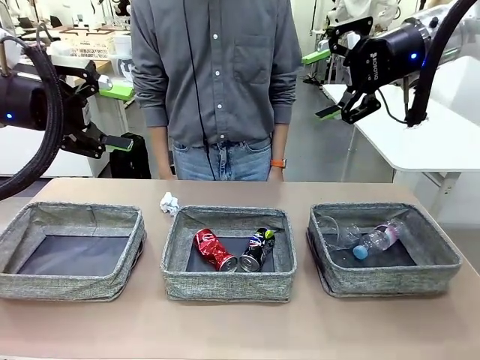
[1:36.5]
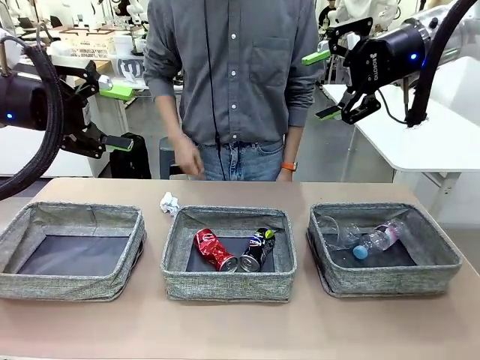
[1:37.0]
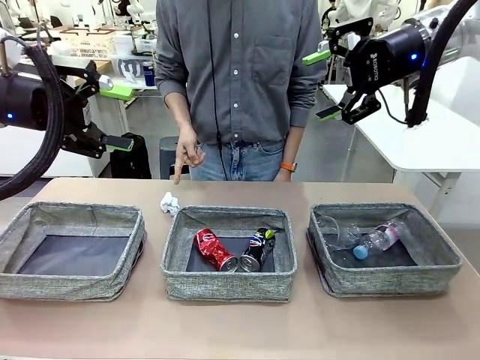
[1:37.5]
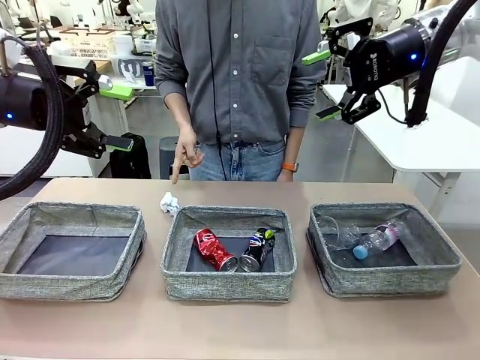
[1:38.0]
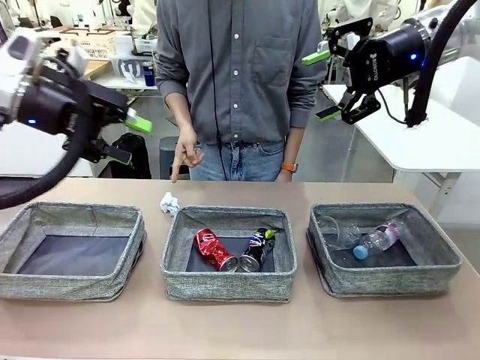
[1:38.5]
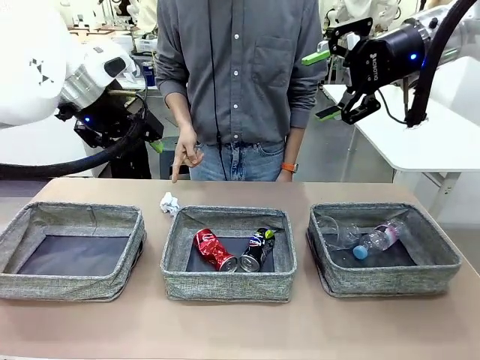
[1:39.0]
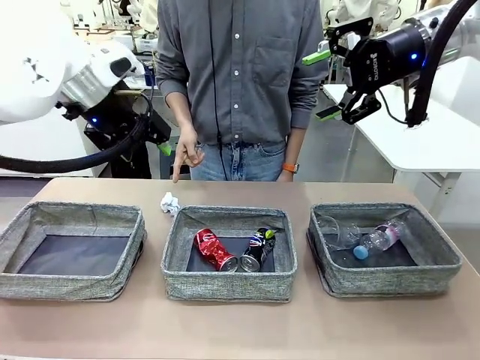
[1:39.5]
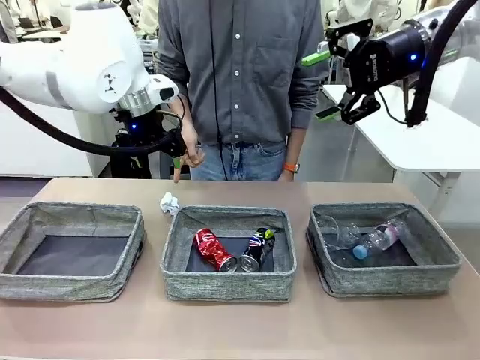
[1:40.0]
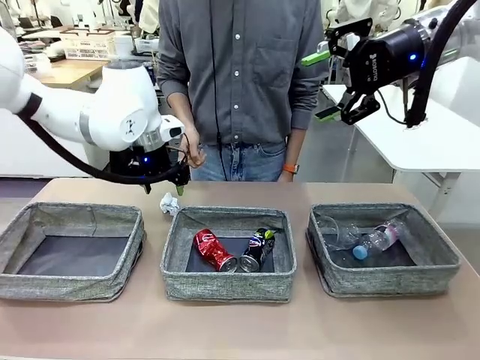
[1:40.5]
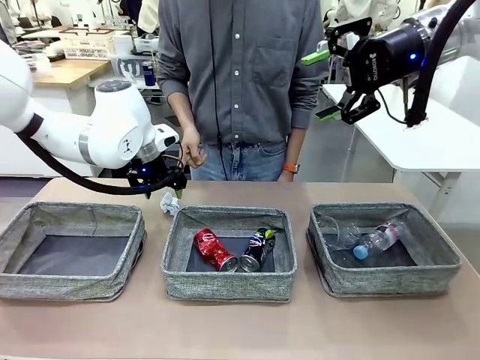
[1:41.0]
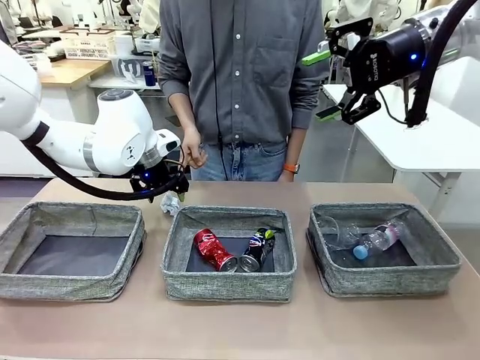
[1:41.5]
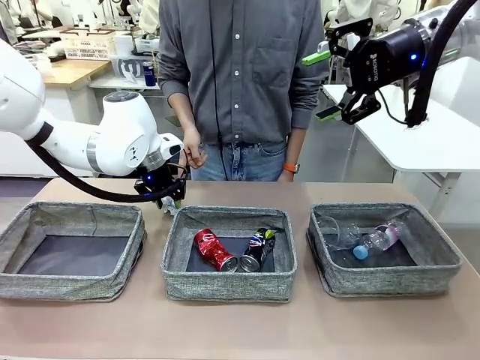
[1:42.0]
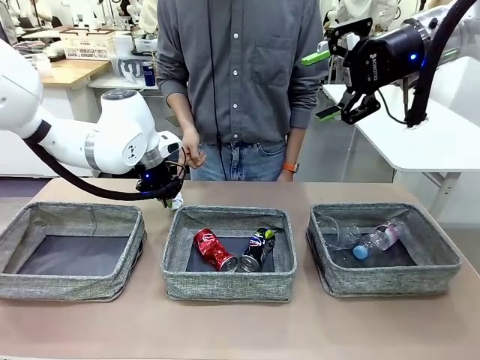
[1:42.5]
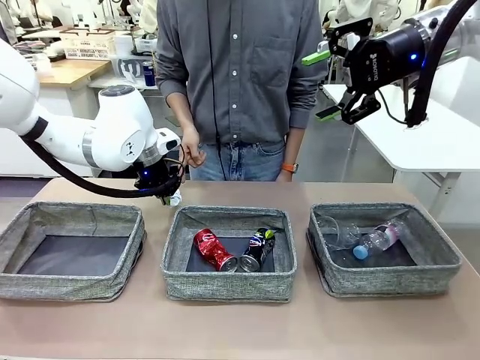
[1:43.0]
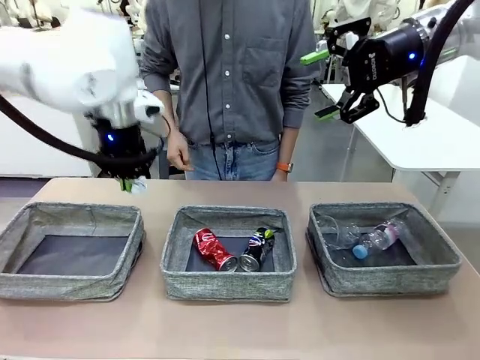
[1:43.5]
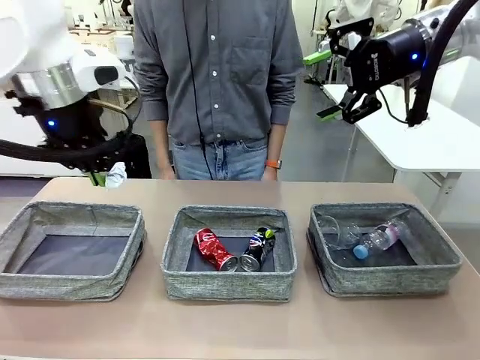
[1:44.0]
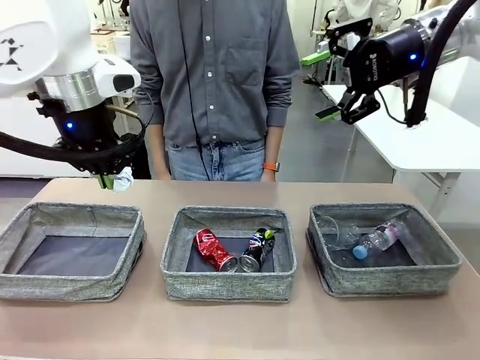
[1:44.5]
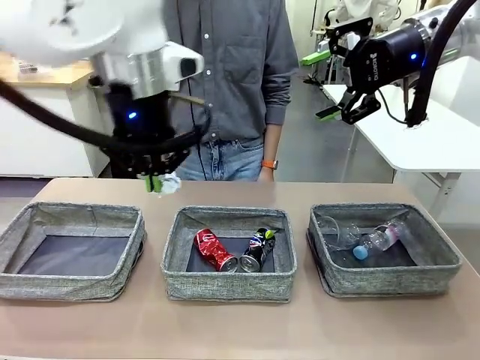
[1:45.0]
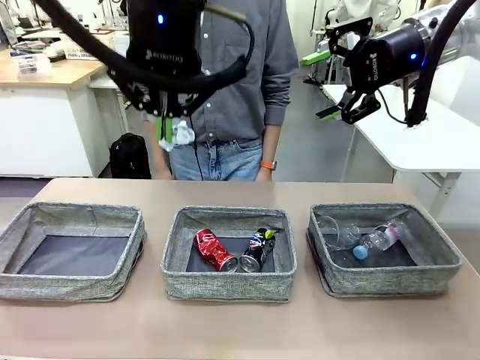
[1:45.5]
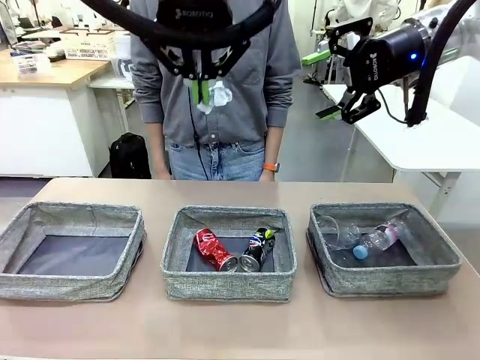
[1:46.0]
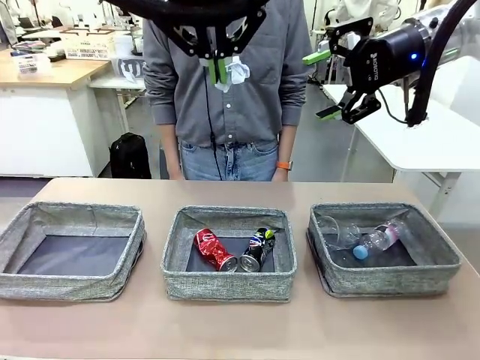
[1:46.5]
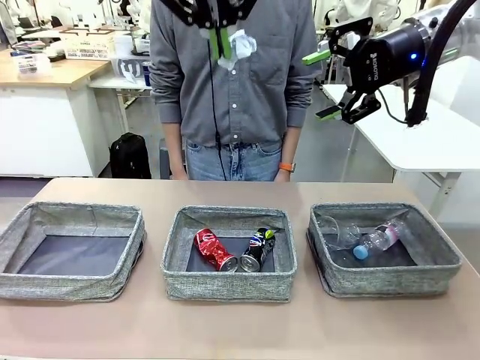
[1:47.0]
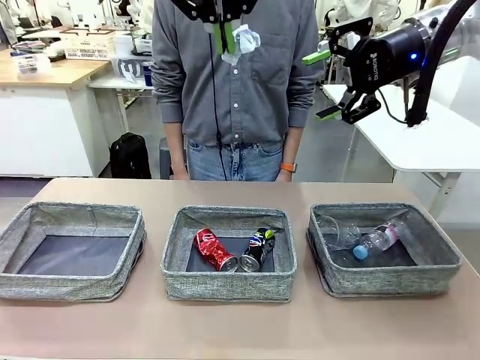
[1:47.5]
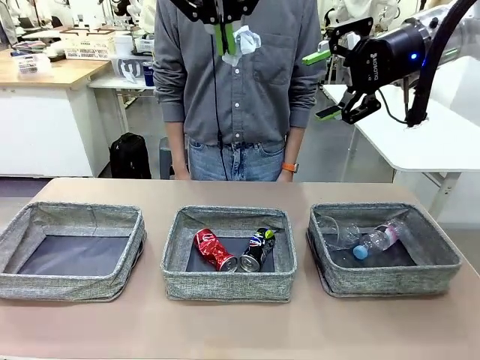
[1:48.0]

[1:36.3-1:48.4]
Task: Sort the waste into the appropriate baskets.
Robot: Pick up the waste item pointed out by the person.
Person: Points to one piece of trash on the table.

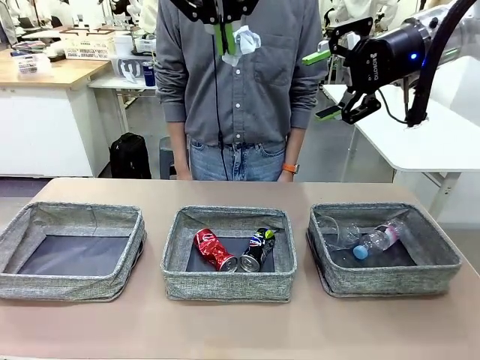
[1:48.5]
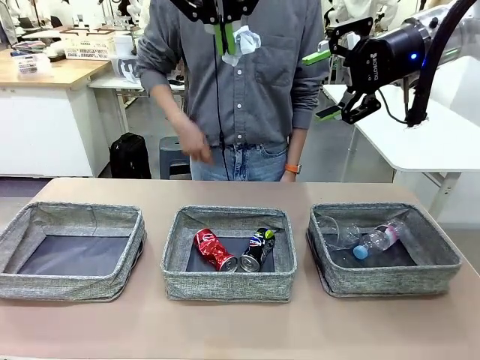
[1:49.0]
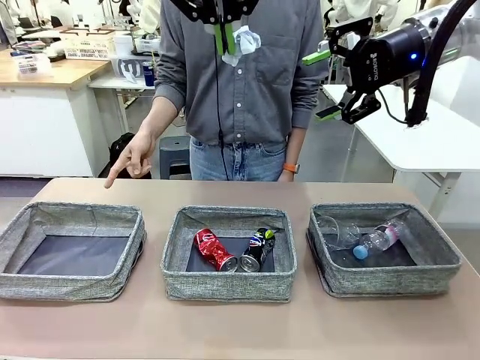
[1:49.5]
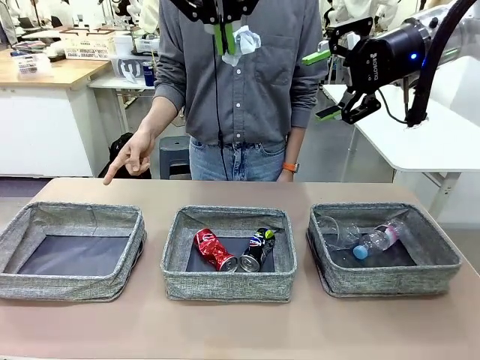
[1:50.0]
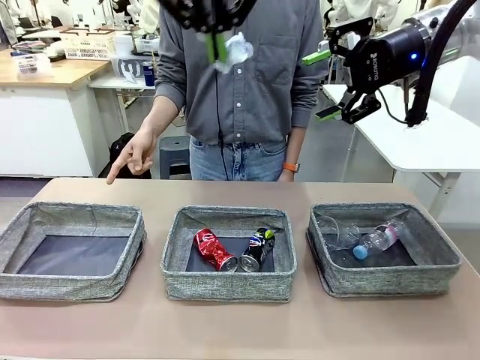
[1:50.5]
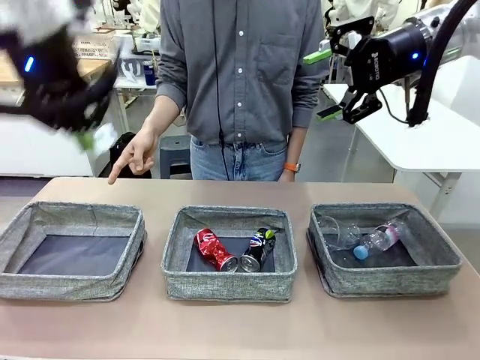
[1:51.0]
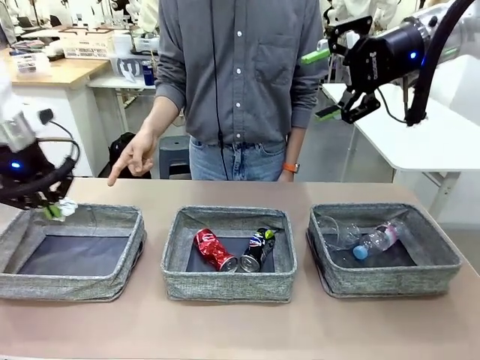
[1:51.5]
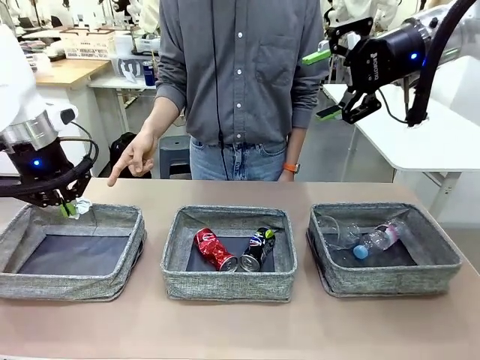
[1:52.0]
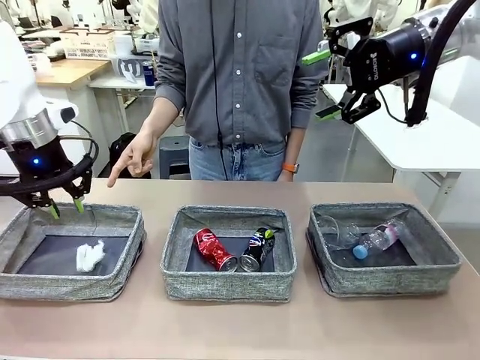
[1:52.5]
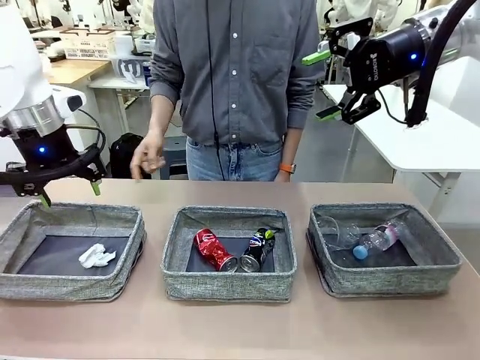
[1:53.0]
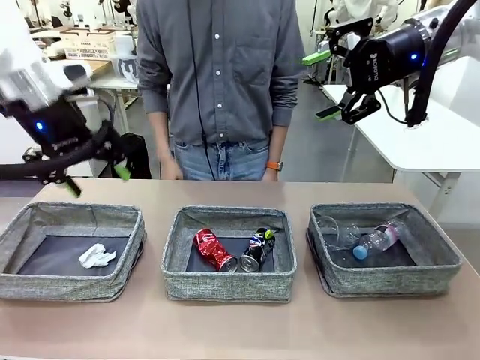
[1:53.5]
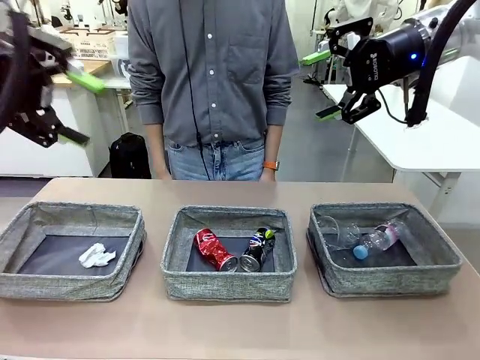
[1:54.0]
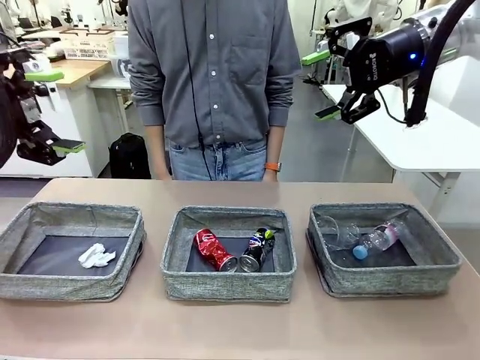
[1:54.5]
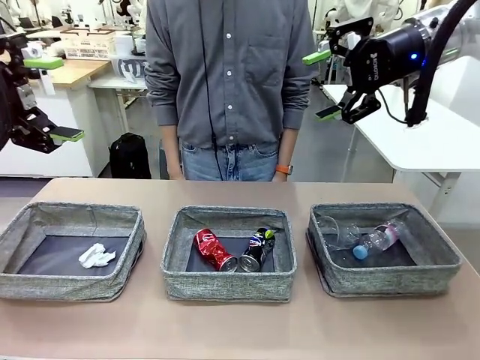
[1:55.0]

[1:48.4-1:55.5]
Robot: Place the picked waste into the Fabric basket indicated by the person.
Person: Instructs the robot to place the picked-up trash into the appropriate organizing basket.

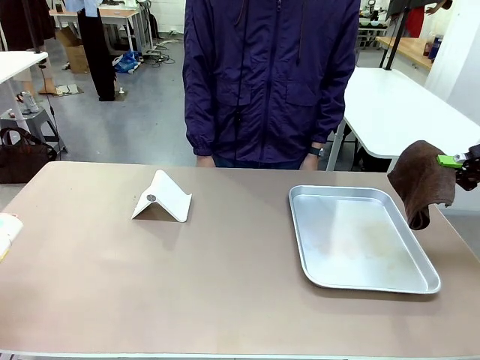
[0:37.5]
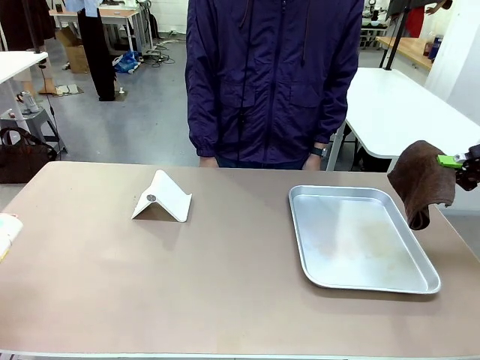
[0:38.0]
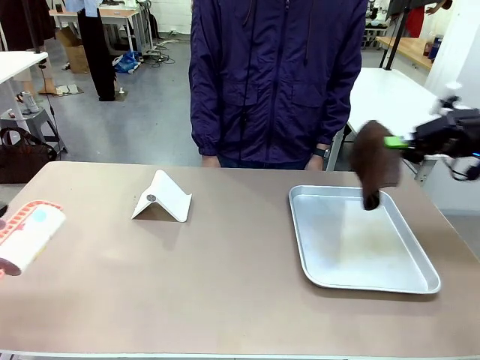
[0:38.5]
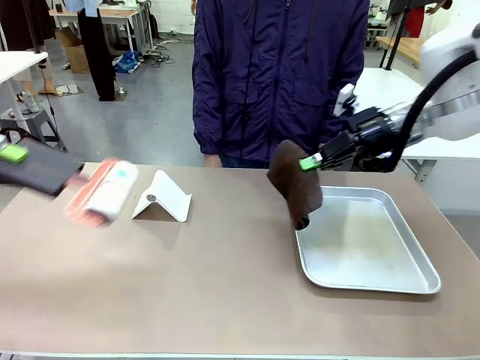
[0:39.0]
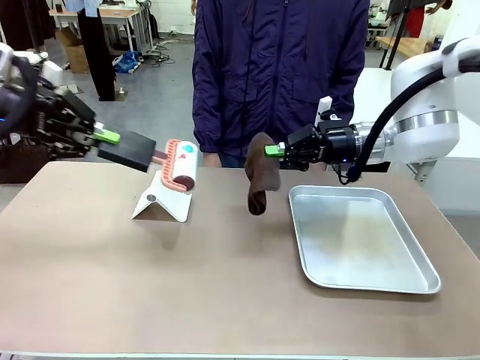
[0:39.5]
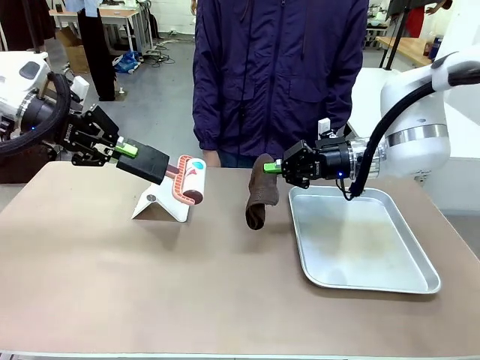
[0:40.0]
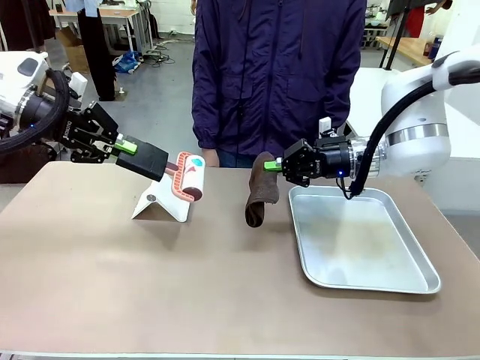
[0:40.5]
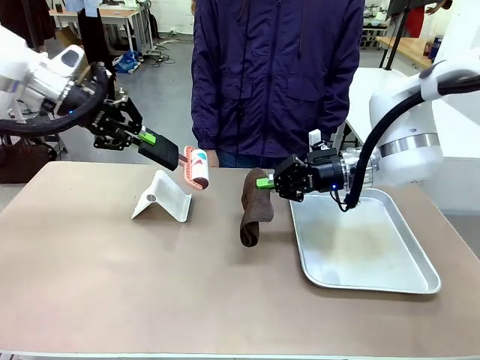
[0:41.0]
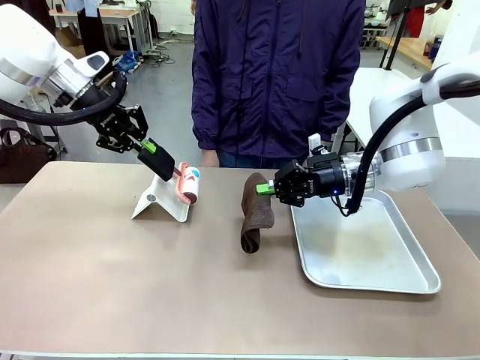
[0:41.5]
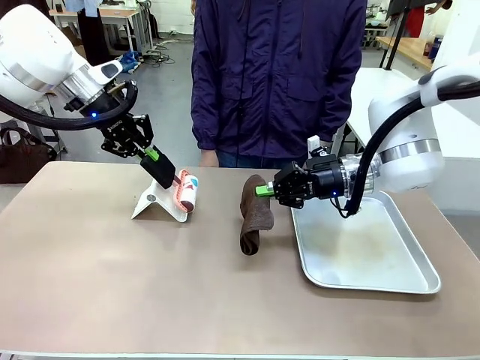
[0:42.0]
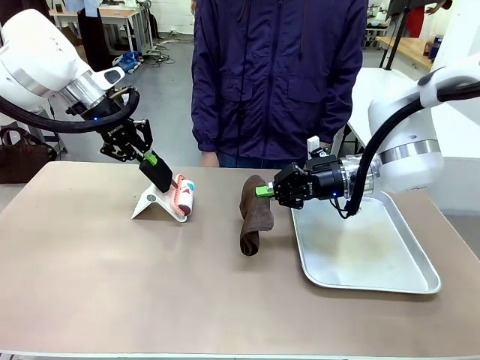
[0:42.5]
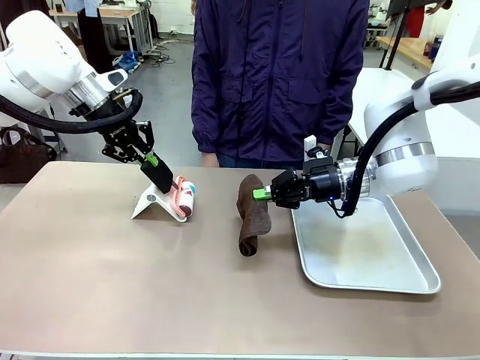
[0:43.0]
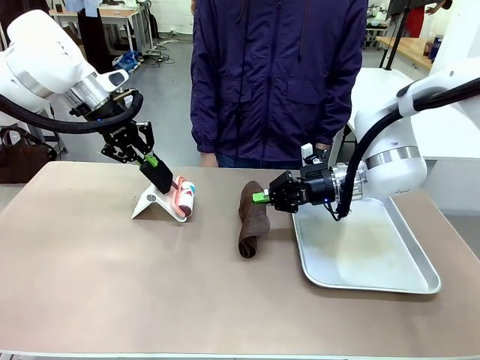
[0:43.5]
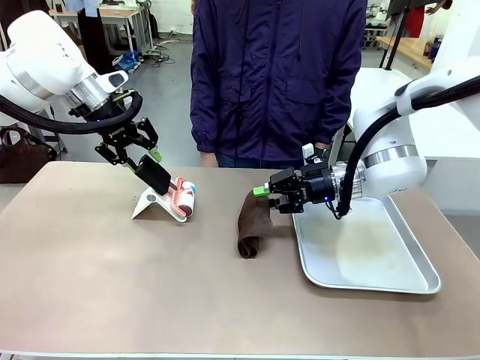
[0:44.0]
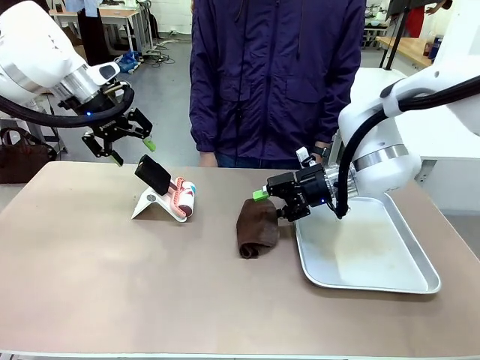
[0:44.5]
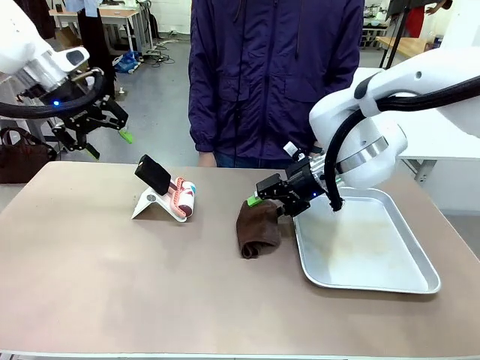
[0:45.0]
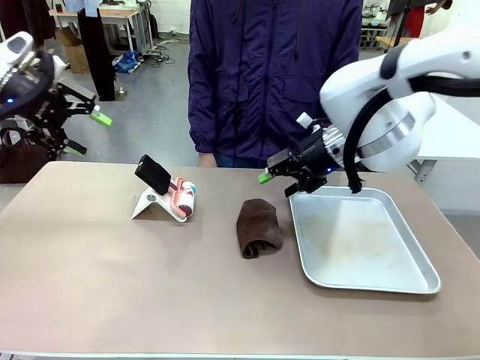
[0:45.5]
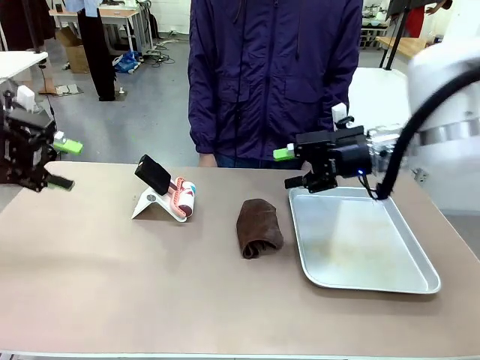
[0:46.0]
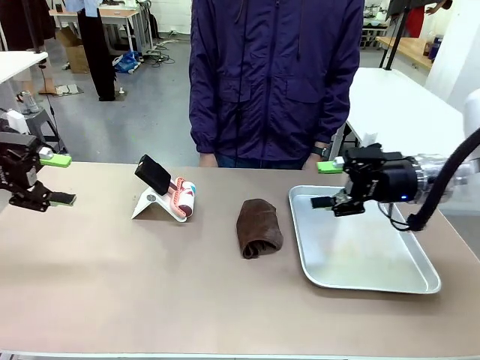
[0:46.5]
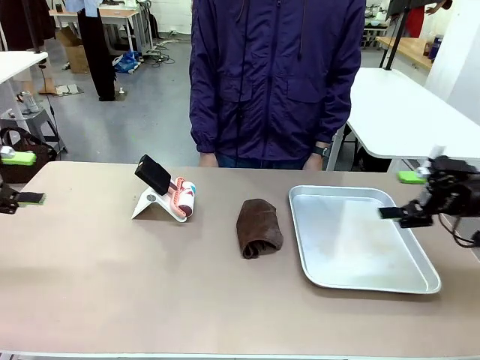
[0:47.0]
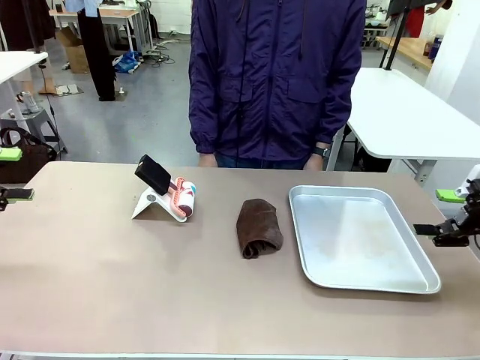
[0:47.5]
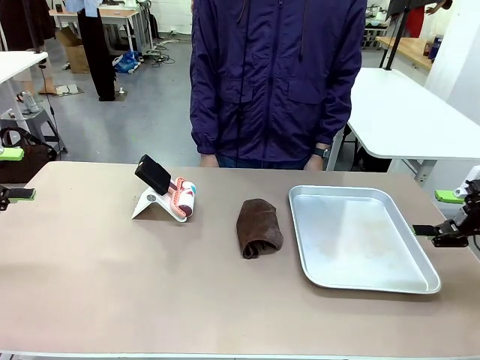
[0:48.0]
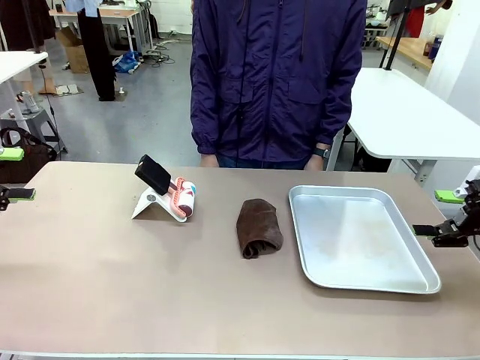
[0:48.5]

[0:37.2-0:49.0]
Task: Clean the surface of the table.
Robot: Return the Lint Roller and towel to their original positions.
